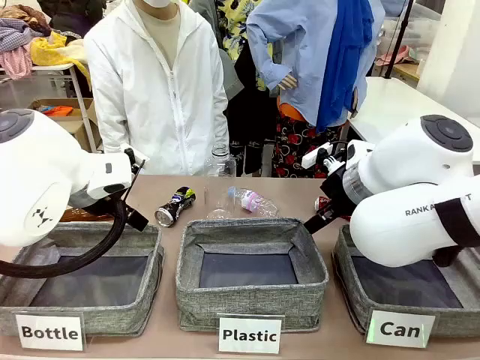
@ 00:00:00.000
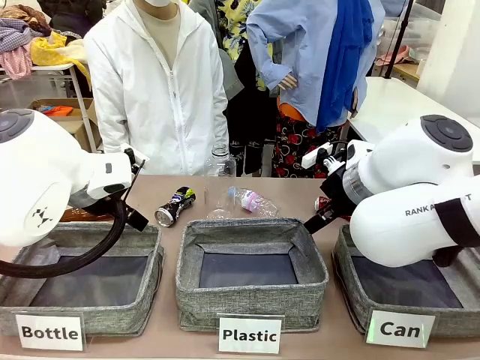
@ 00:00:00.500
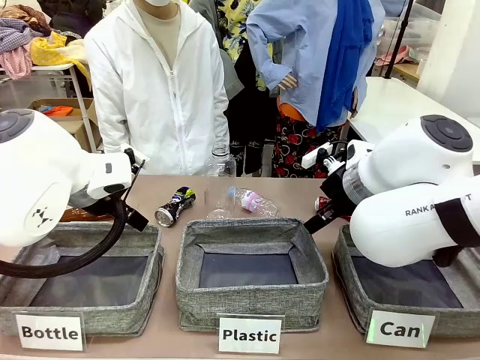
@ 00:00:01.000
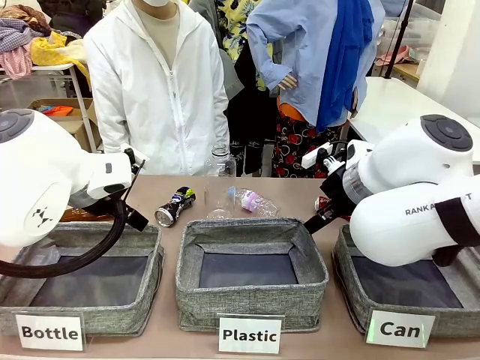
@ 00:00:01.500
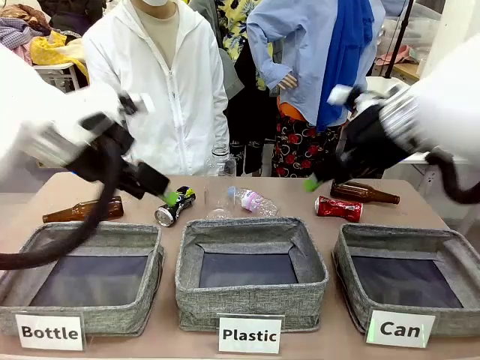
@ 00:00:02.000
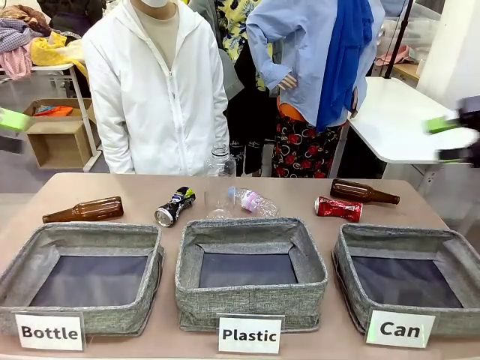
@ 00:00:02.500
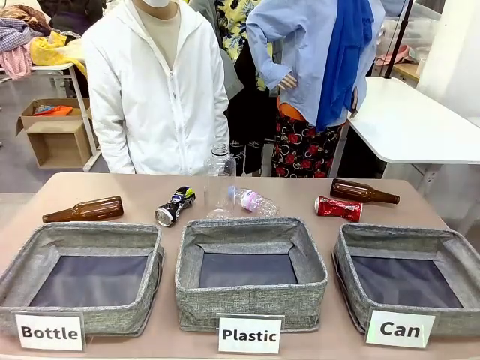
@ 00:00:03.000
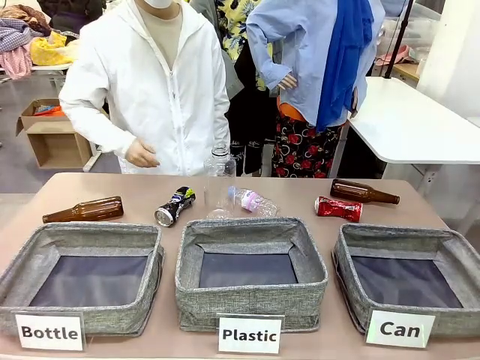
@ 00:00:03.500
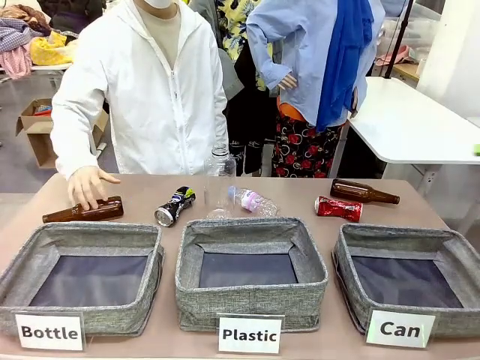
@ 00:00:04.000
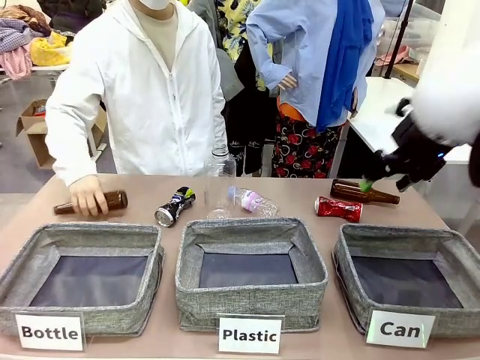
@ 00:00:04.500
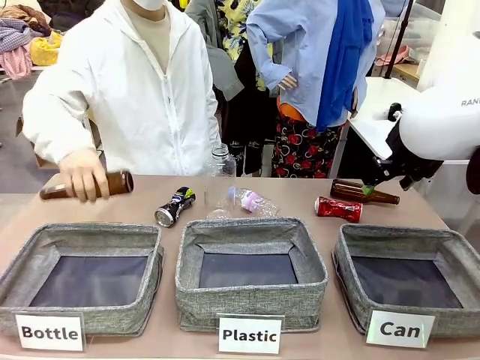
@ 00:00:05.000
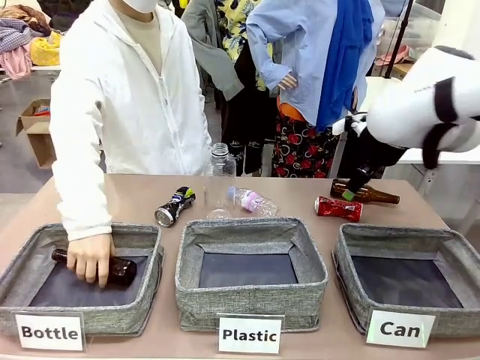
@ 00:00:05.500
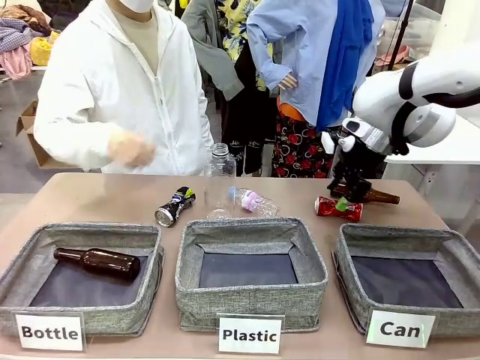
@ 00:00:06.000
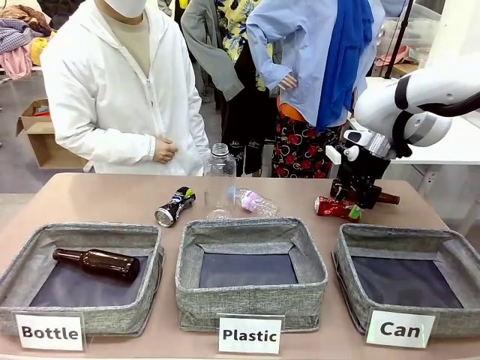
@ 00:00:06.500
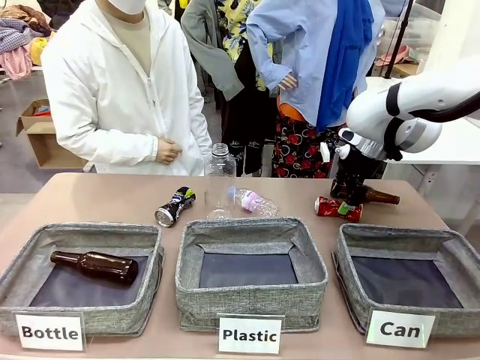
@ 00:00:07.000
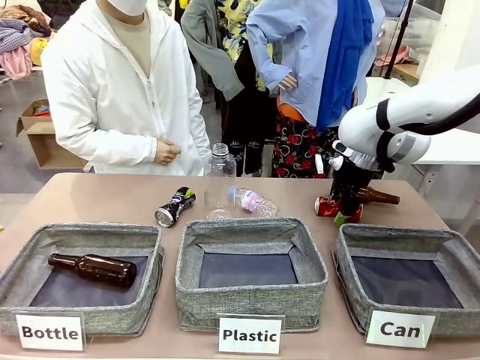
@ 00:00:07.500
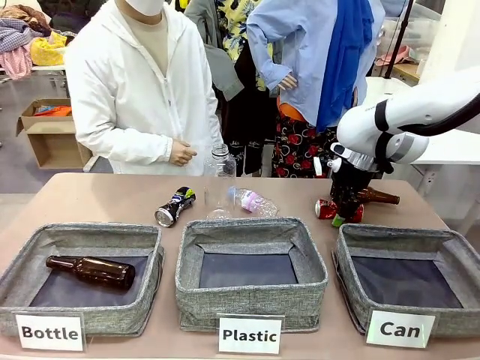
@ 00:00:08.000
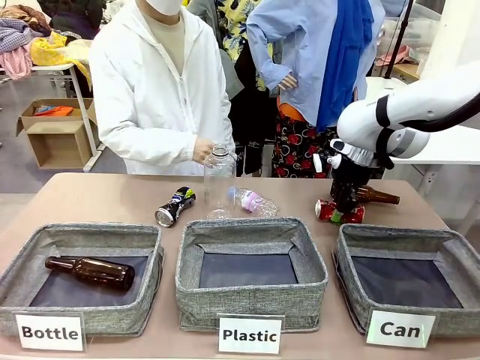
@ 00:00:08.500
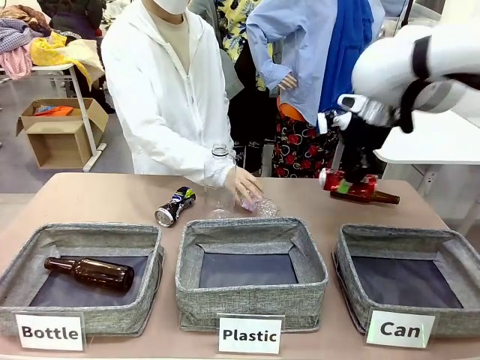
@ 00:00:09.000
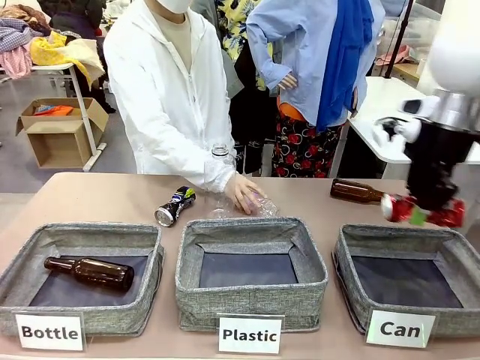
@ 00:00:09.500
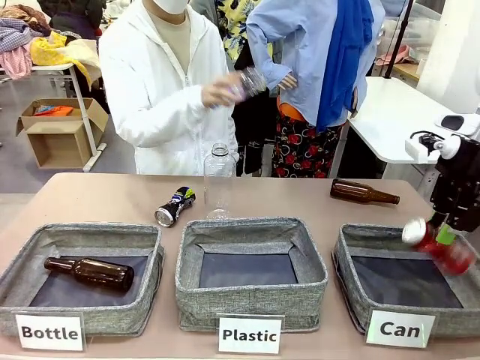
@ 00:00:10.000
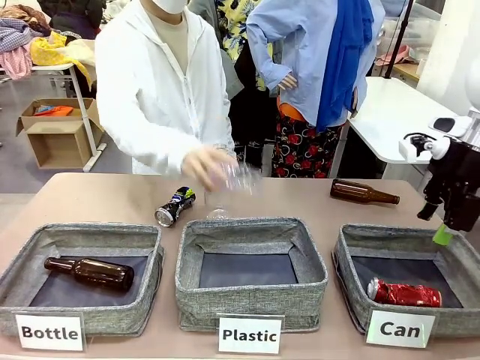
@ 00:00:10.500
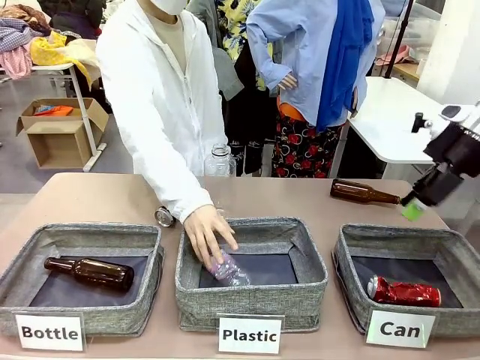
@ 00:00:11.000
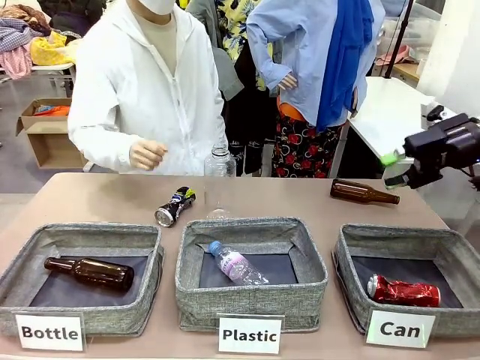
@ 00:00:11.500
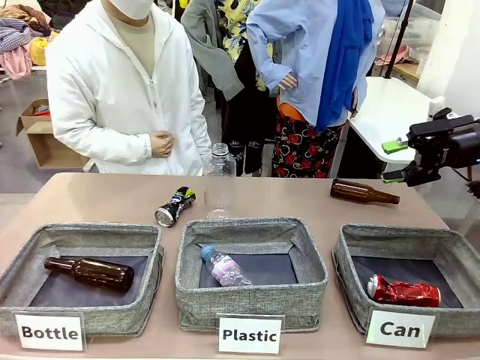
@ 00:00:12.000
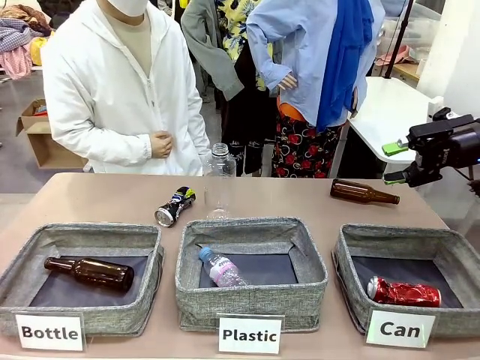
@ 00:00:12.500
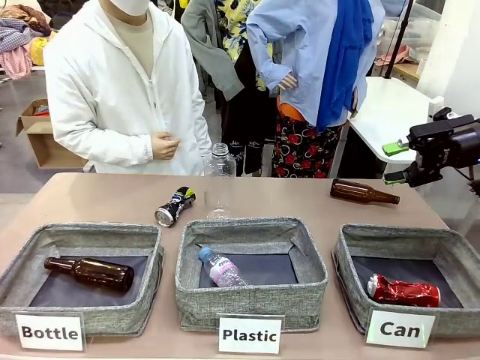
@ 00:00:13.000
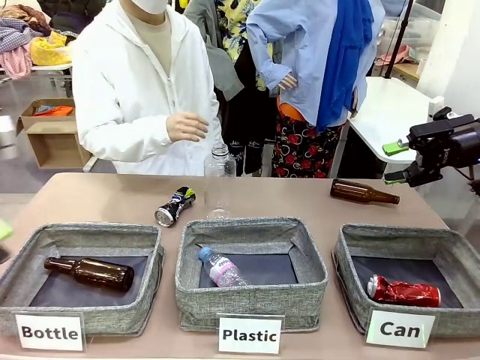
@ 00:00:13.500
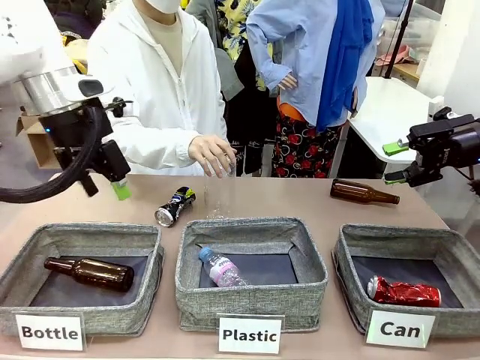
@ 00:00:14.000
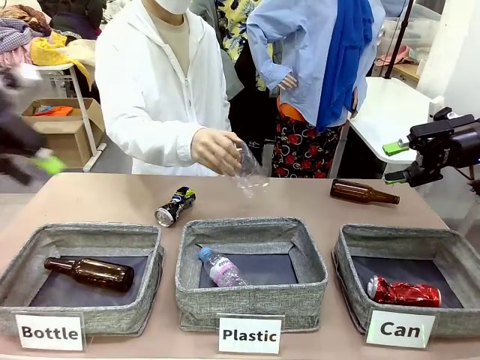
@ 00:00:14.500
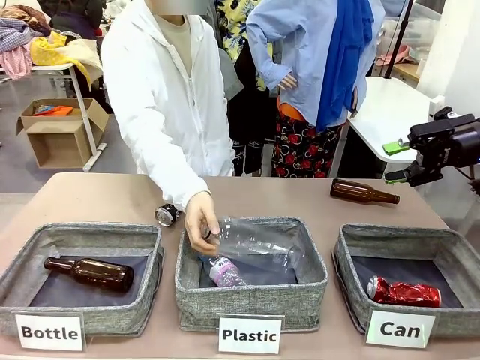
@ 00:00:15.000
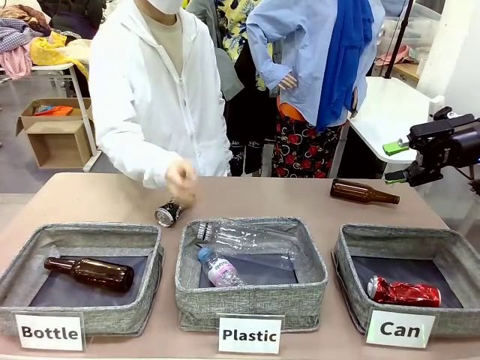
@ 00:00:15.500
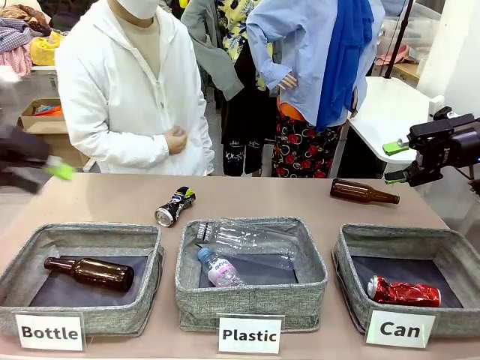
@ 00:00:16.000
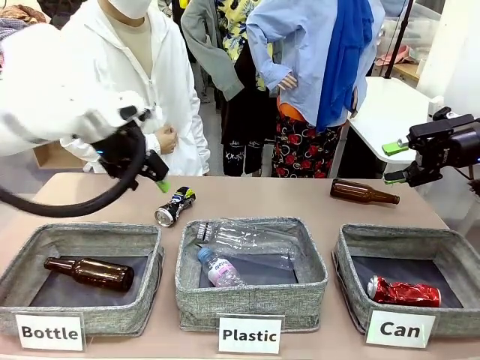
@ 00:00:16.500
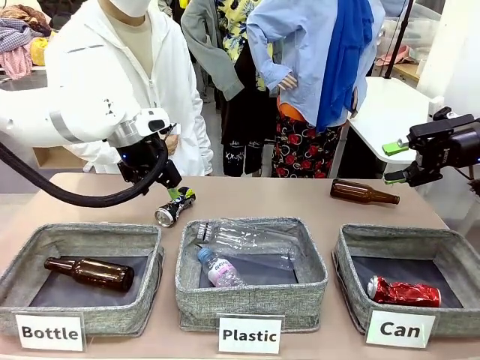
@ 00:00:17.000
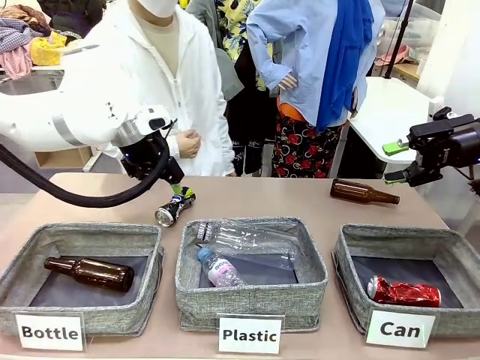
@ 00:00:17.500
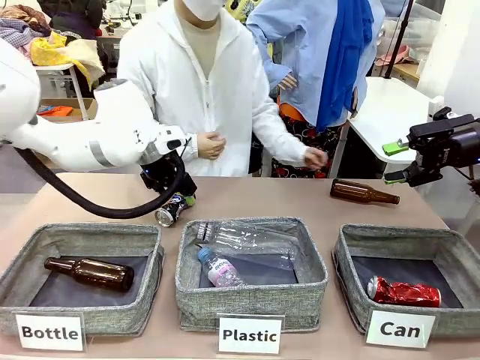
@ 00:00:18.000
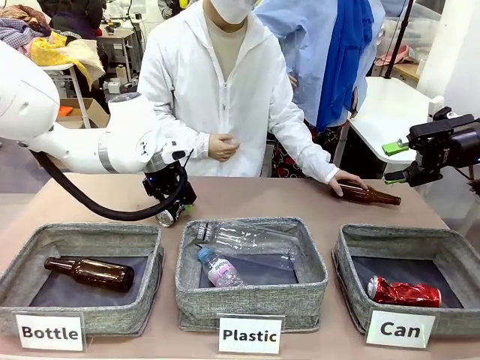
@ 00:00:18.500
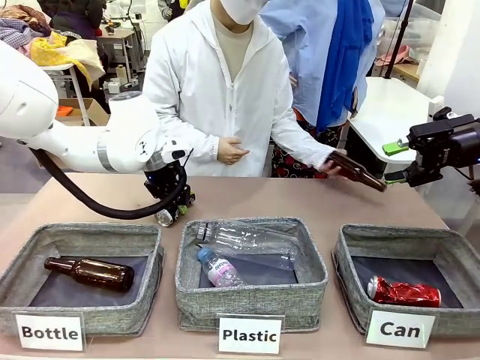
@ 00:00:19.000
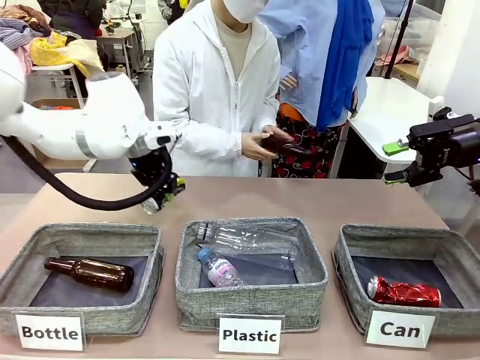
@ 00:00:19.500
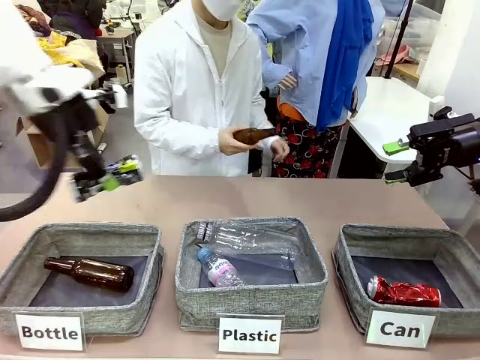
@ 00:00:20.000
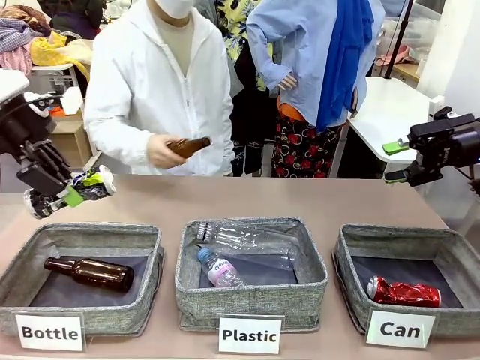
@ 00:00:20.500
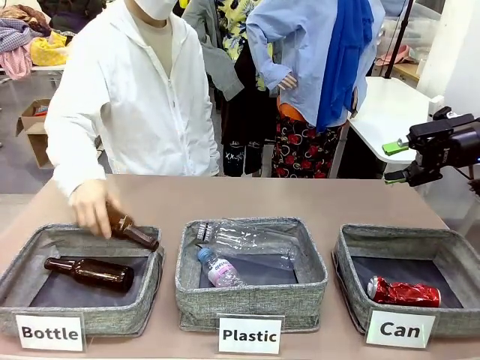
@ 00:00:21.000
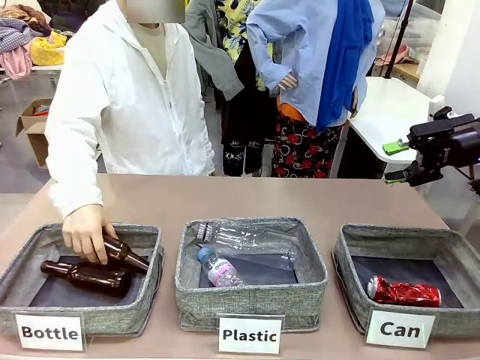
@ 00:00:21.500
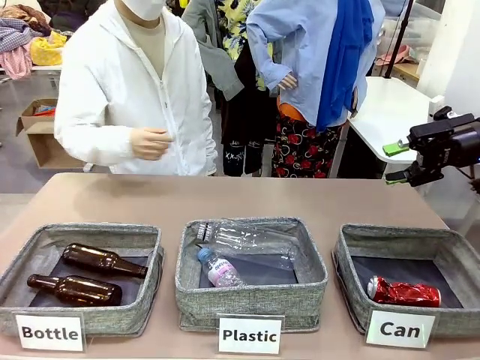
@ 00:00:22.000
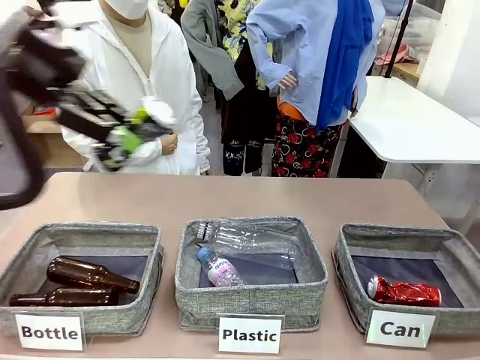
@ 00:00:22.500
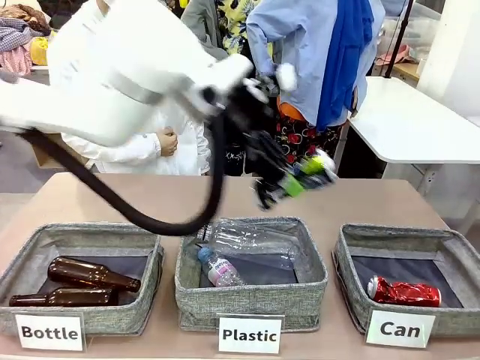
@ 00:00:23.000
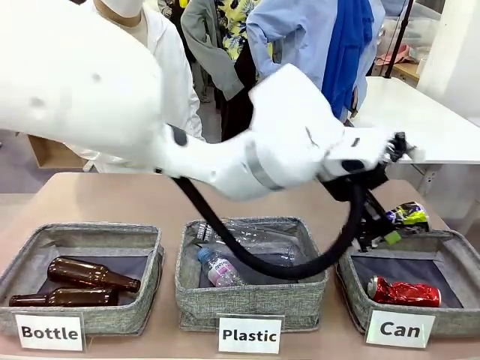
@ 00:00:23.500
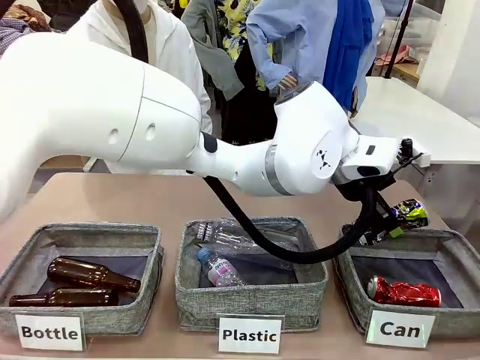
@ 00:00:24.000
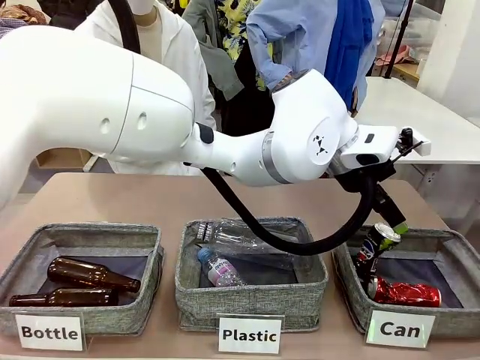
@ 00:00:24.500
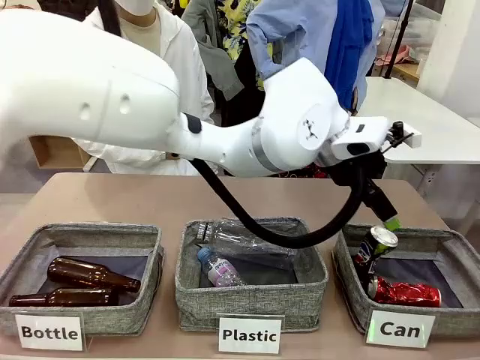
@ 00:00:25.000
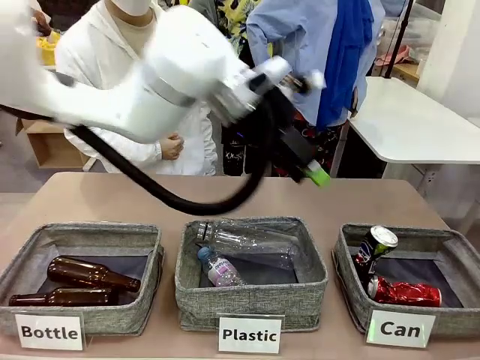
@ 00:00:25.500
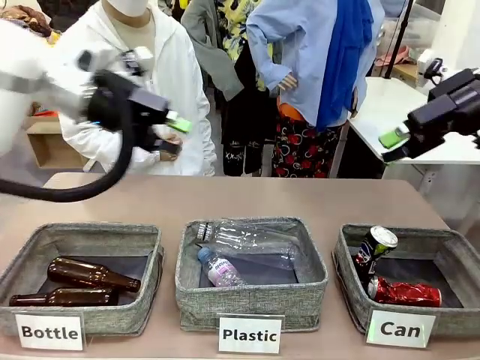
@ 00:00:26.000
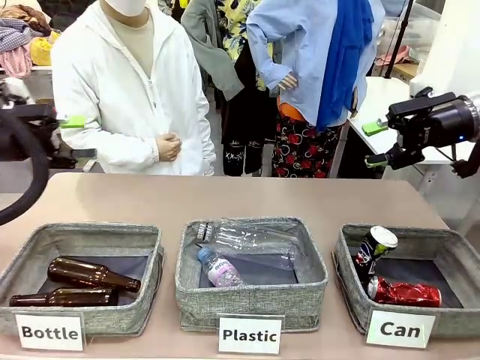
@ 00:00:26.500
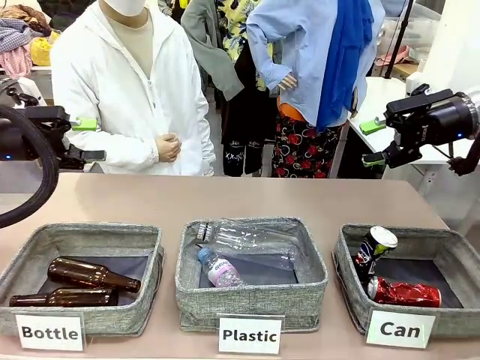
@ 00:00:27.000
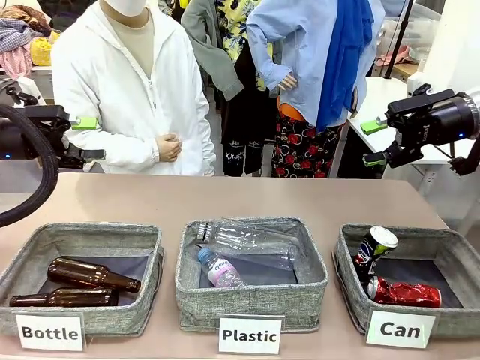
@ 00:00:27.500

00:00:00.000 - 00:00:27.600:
Task: Sort the can waste into the basket.
Robot: Pick up the can waste from the table and place it in the right Fabric basket.
Person: The human picks up one piece of trash that is not a can and places the trash into the appropriate organizing basket.
